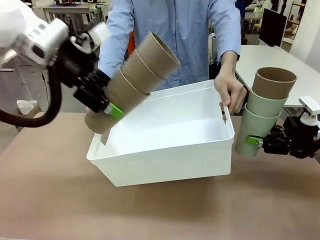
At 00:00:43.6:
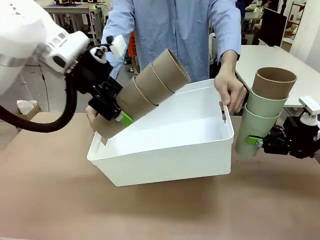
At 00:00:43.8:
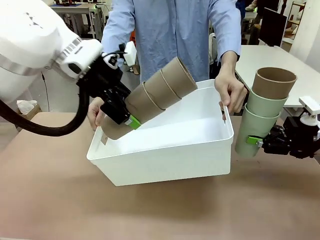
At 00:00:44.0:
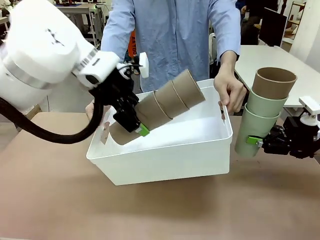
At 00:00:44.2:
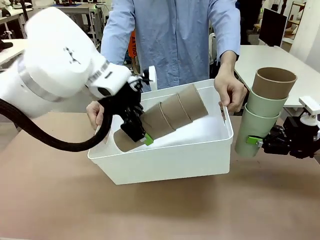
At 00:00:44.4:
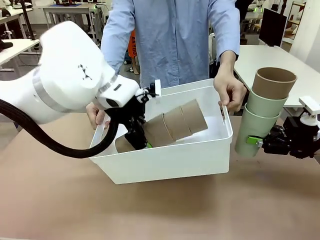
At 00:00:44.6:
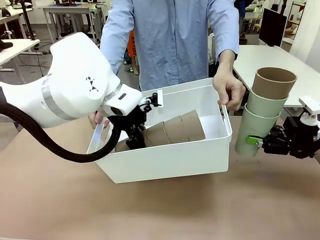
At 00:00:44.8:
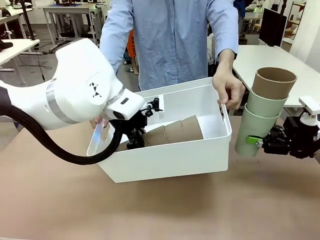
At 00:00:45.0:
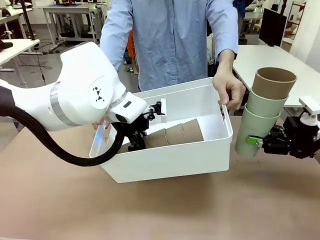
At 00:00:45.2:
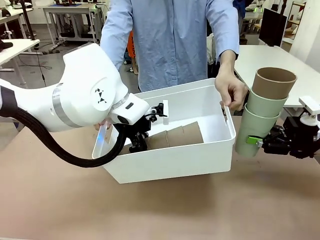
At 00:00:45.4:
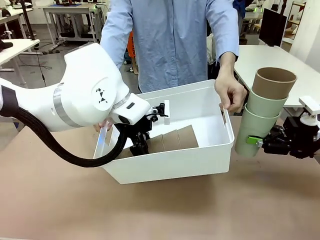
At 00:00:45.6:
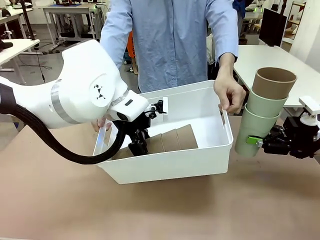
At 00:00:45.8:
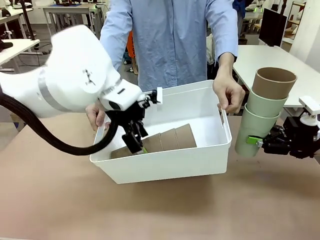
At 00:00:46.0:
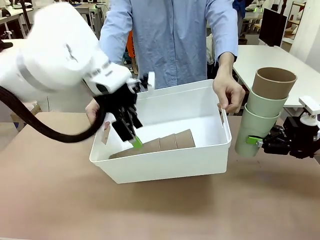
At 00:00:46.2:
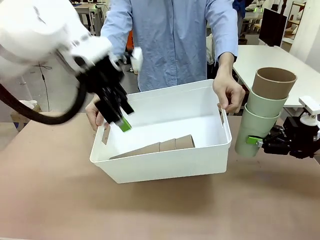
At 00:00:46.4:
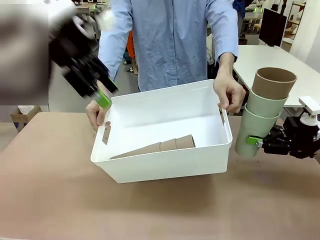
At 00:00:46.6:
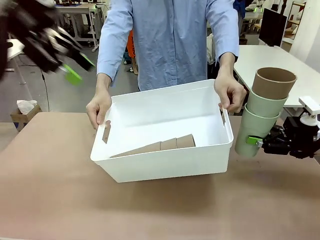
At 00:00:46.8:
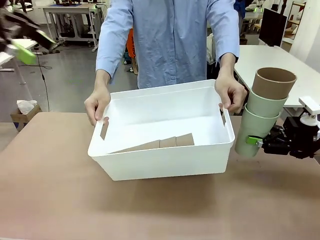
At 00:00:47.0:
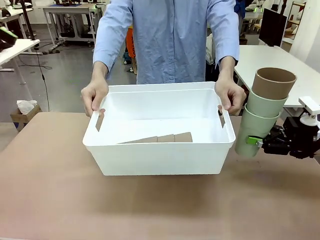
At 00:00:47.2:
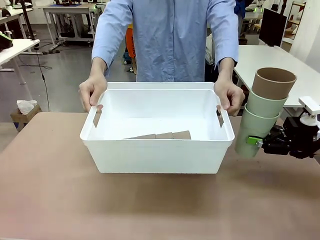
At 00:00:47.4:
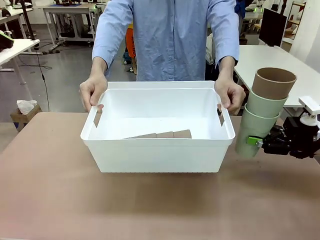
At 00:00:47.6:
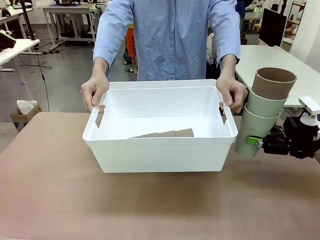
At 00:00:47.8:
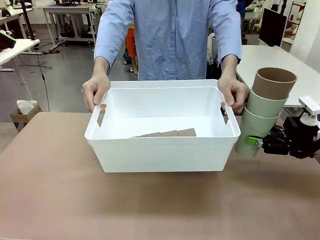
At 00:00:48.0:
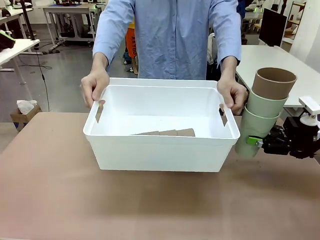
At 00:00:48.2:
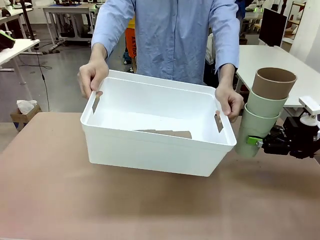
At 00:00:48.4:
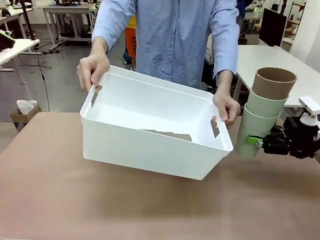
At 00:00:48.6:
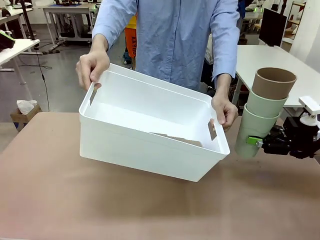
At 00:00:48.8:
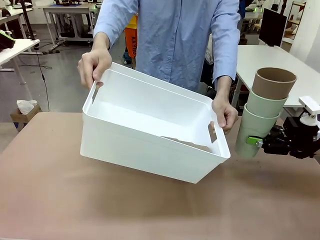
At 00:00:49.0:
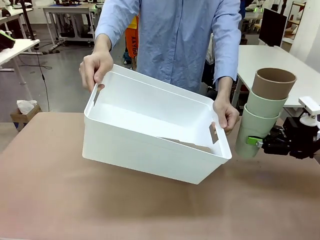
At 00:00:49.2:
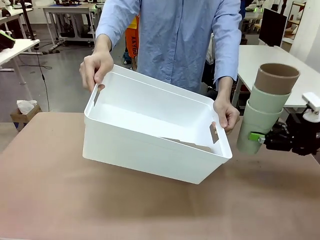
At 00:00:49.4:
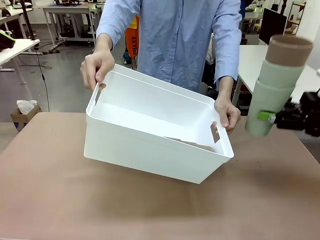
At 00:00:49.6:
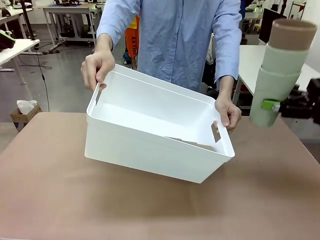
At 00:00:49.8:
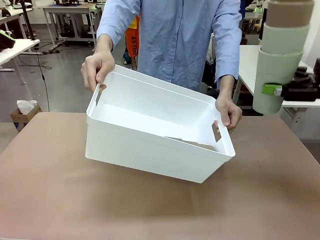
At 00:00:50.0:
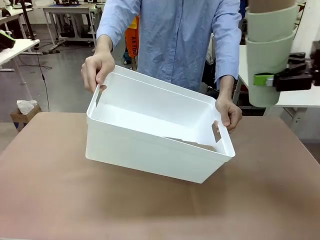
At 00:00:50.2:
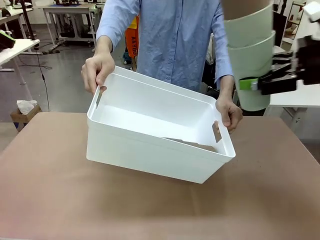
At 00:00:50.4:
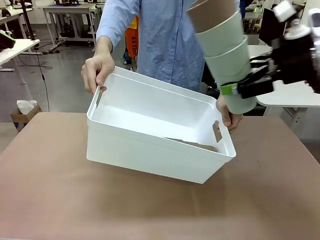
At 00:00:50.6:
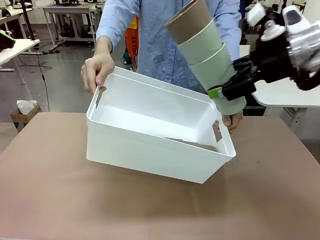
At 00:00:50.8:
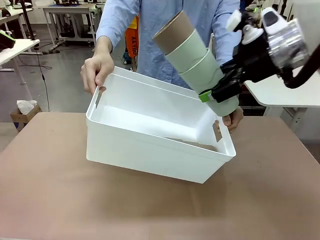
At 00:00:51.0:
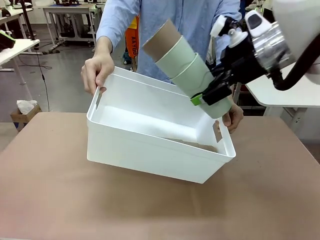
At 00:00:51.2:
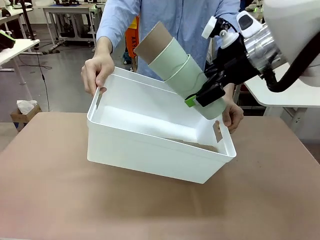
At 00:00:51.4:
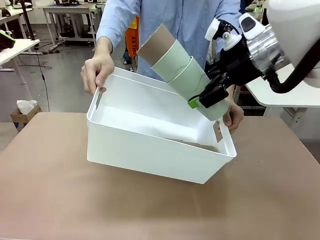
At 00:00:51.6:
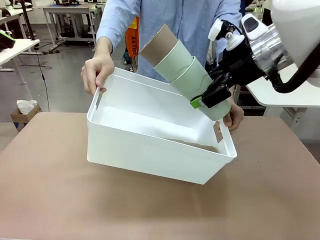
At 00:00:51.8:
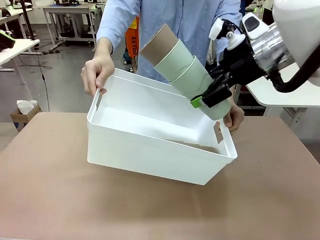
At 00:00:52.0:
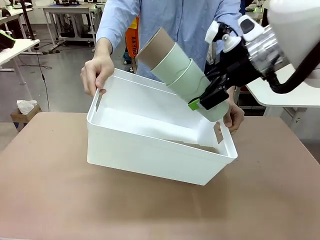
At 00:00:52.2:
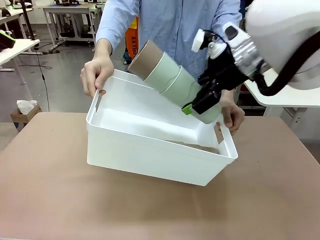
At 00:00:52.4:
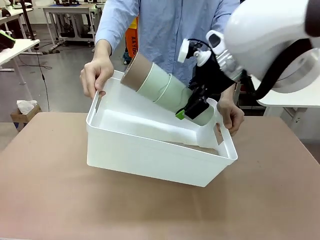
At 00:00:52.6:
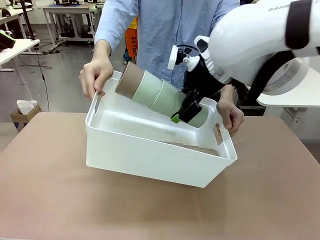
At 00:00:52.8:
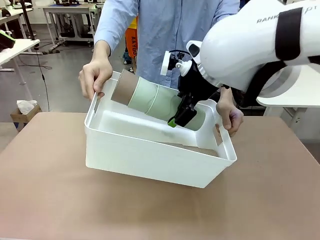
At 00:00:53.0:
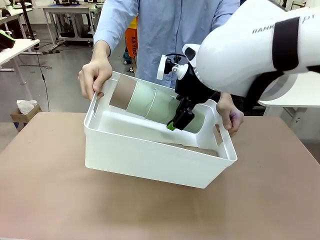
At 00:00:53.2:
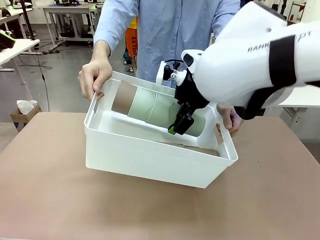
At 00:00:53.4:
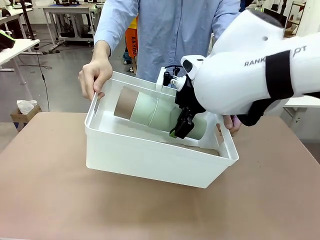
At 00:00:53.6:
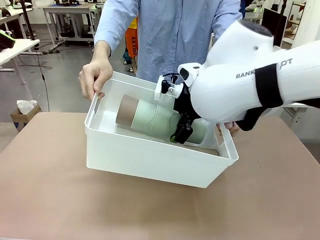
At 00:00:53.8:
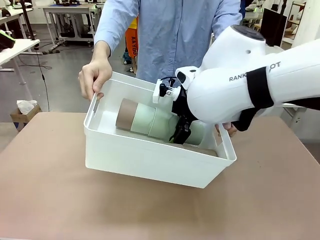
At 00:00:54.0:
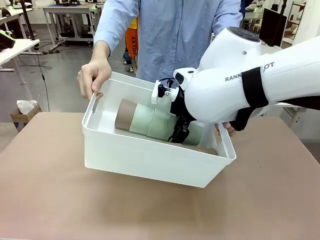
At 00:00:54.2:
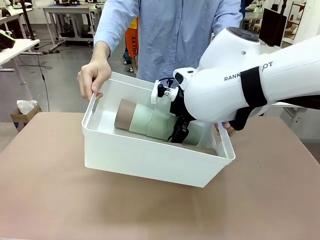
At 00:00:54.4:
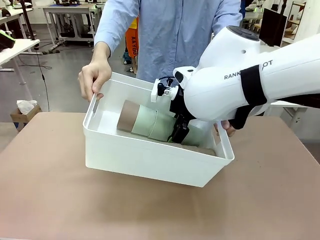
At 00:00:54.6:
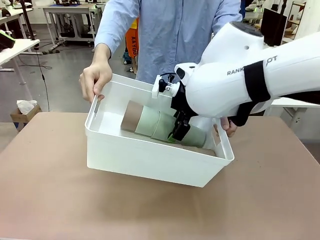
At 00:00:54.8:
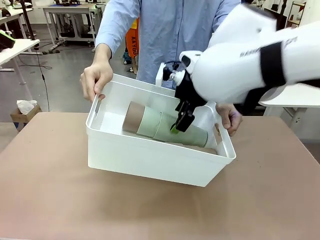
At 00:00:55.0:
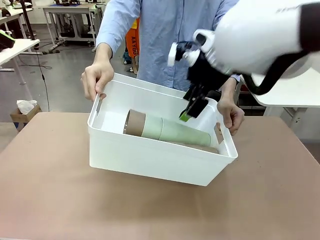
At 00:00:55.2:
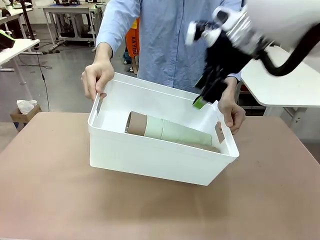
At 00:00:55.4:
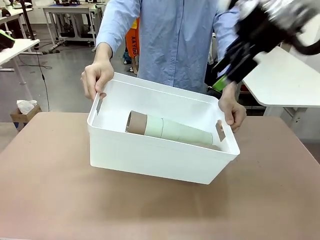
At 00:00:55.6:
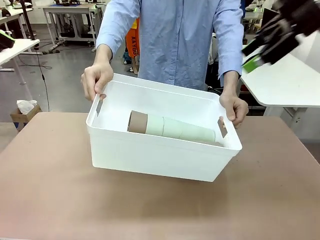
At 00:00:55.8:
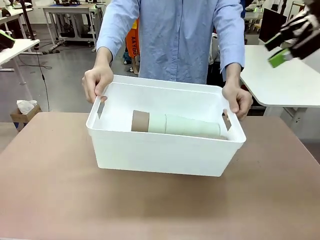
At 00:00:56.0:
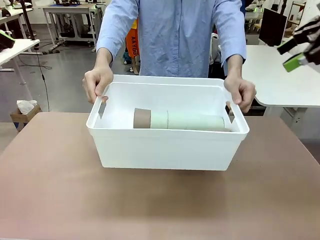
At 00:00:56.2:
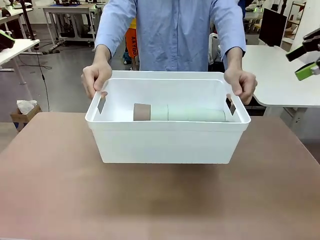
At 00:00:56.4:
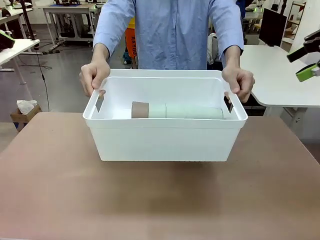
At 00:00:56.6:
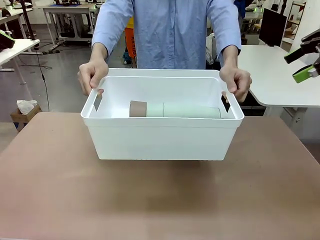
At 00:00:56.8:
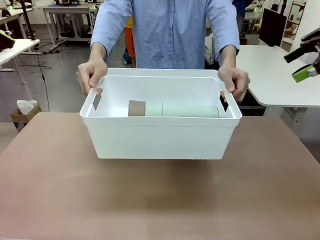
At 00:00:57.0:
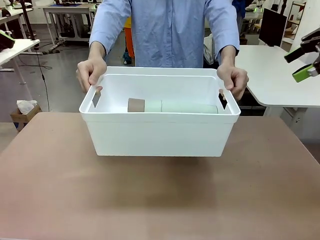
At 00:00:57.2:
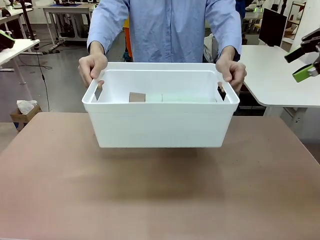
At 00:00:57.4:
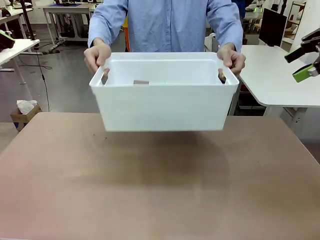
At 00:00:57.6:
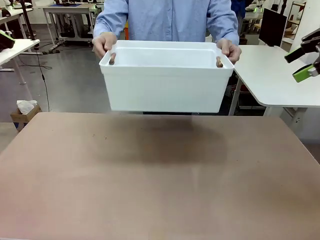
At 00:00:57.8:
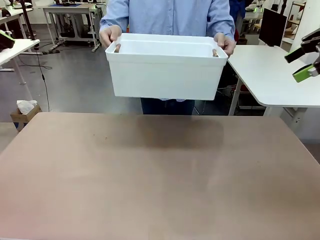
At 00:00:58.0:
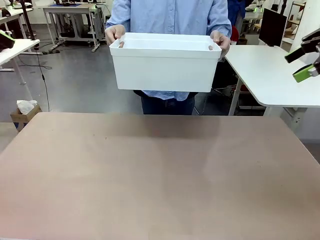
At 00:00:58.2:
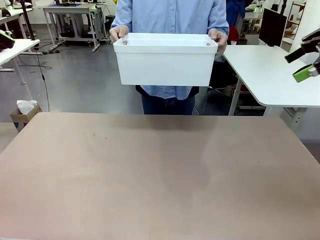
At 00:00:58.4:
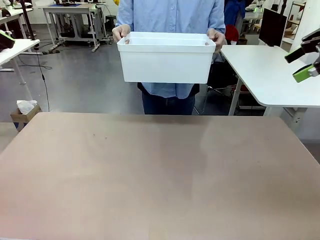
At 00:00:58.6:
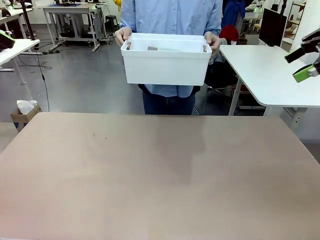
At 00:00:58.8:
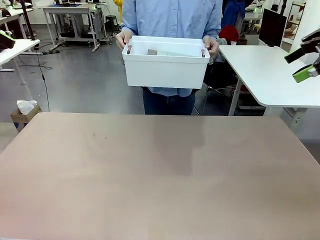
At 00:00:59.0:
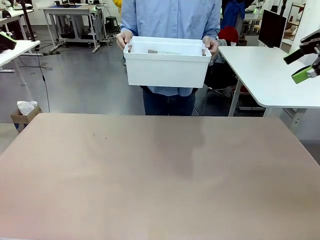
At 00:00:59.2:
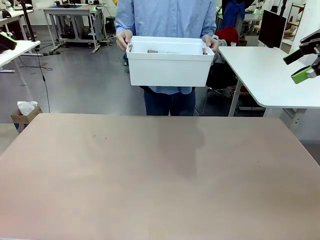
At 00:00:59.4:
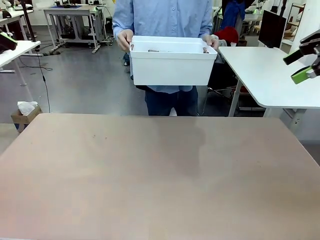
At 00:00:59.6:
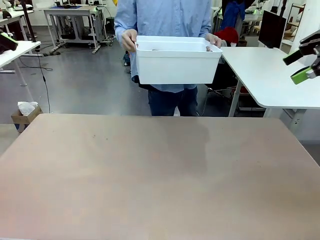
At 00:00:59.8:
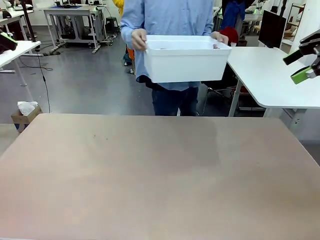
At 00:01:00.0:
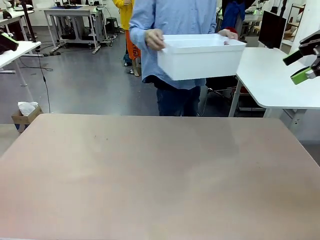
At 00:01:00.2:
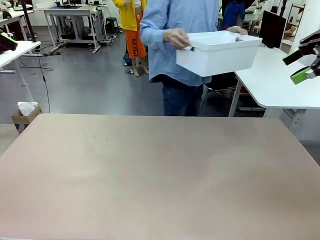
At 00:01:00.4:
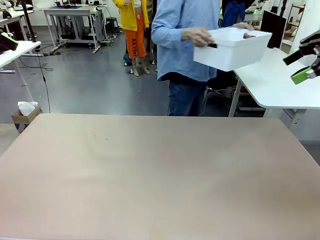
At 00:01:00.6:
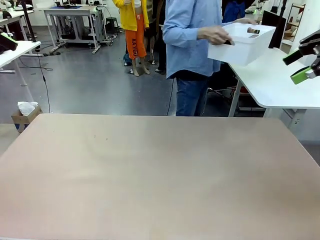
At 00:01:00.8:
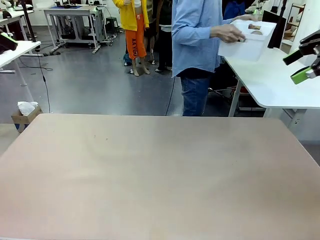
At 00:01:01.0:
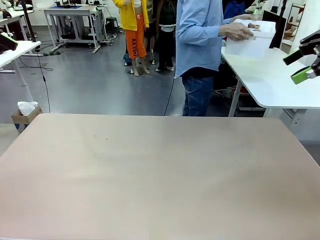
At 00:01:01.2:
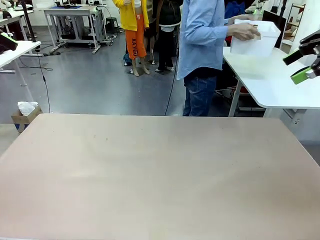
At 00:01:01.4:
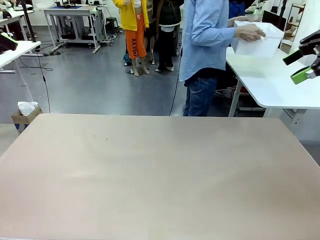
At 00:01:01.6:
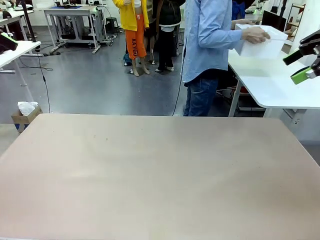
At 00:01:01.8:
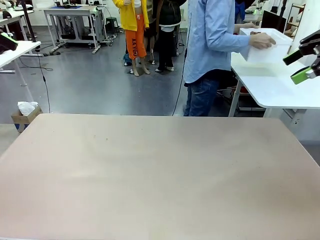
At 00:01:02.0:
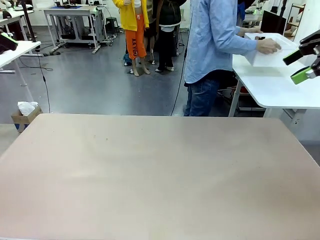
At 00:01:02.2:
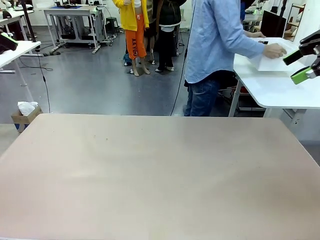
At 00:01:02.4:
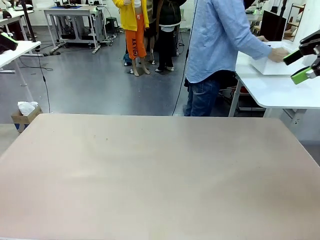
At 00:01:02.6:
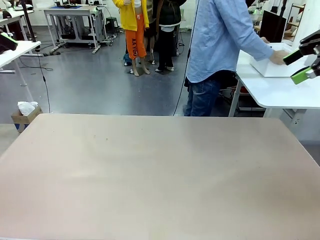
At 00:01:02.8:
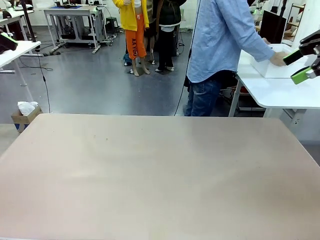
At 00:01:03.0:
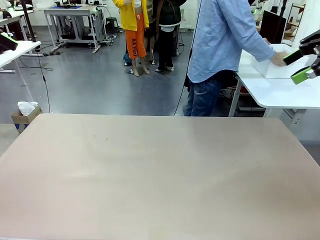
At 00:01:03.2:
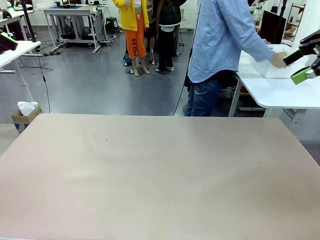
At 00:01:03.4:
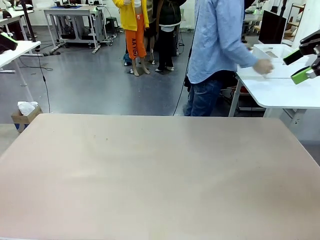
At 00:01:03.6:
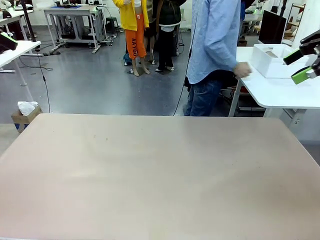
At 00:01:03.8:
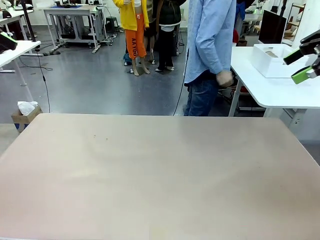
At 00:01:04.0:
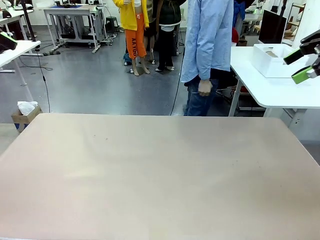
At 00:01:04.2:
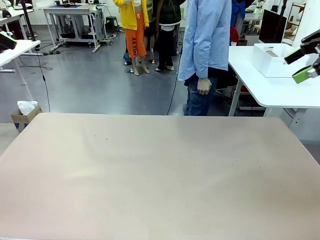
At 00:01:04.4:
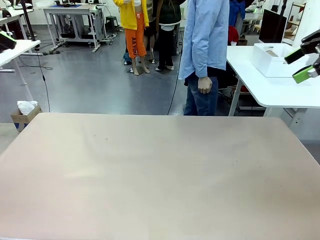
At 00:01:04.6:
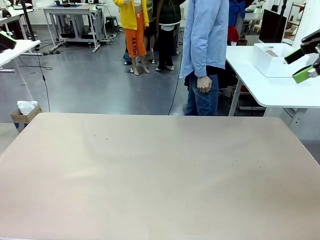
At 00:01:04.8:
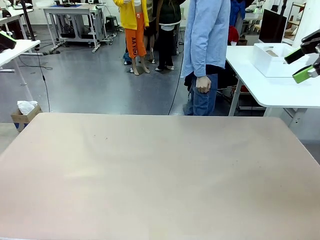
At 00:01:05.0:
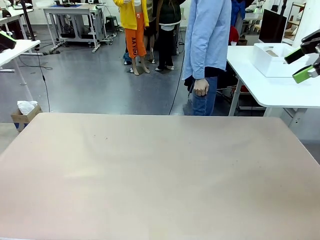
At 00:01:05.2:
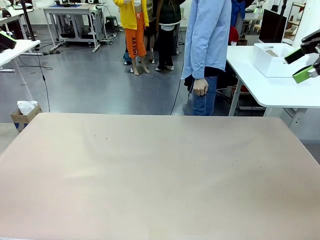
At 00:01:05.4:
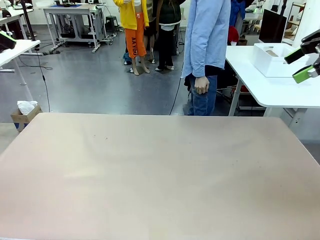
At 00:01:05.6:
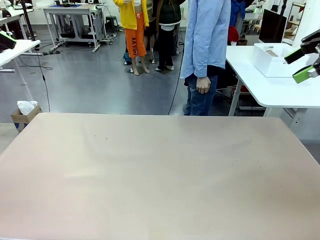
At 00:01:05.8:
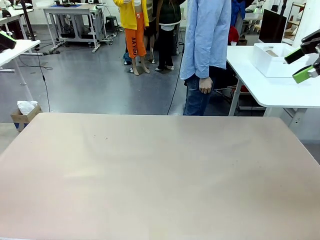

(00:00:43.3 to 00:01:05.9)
Task: Stack the cups and store them in the basket.
Robot: Place the stack of Reusable plastic cups into the Pantry Basket.
Person: Place the basket containing the cups in the middle of the Human Table.
